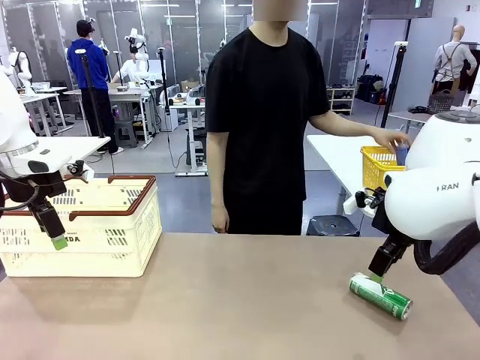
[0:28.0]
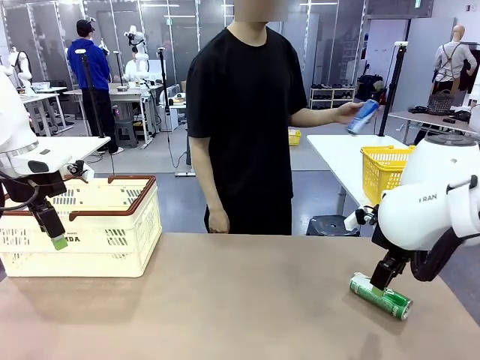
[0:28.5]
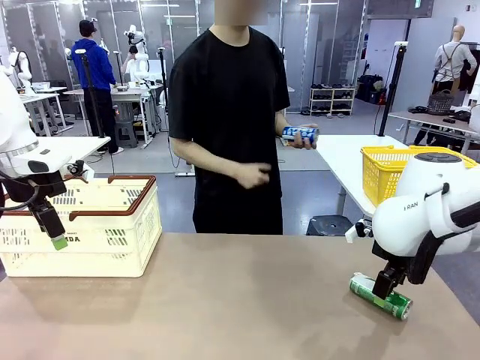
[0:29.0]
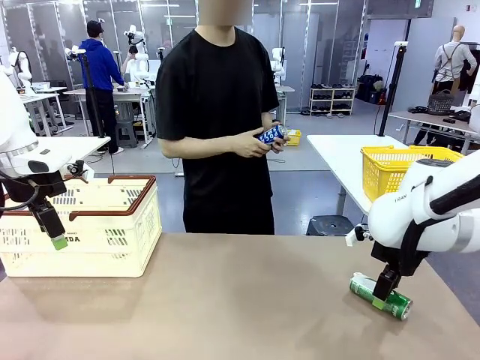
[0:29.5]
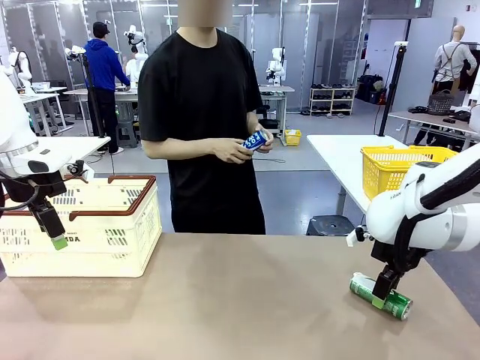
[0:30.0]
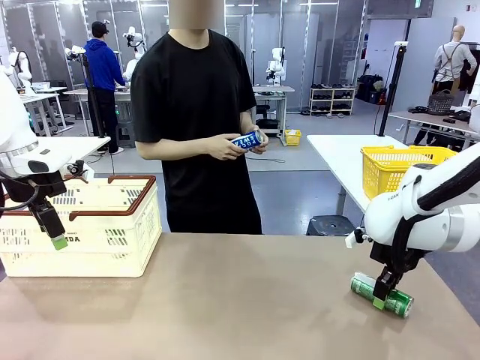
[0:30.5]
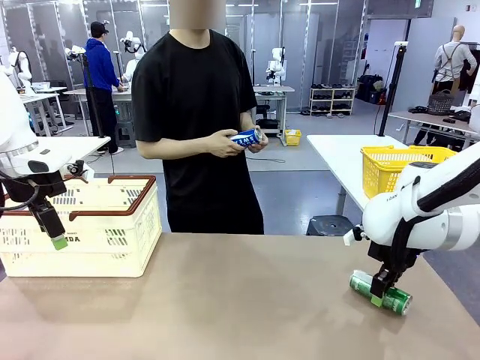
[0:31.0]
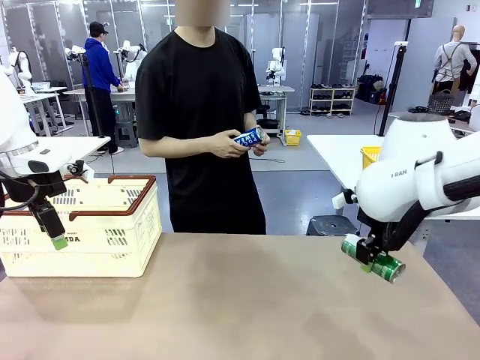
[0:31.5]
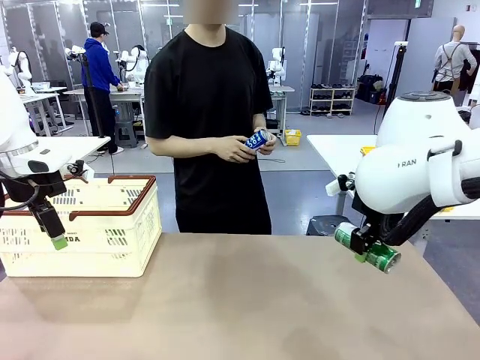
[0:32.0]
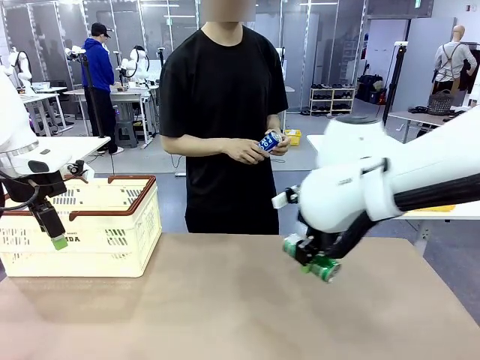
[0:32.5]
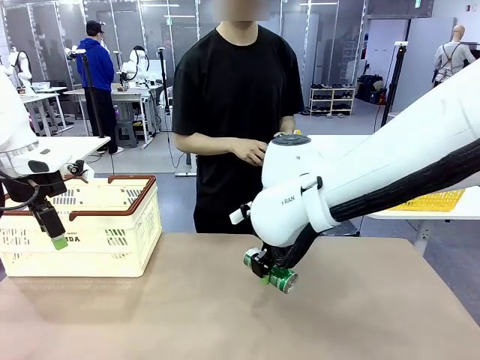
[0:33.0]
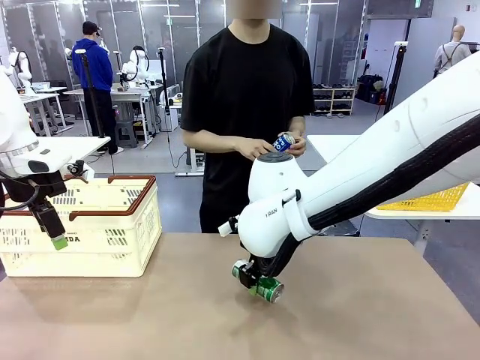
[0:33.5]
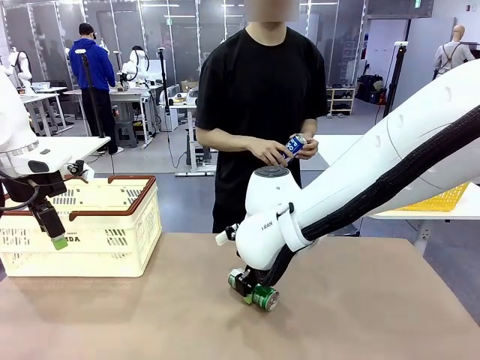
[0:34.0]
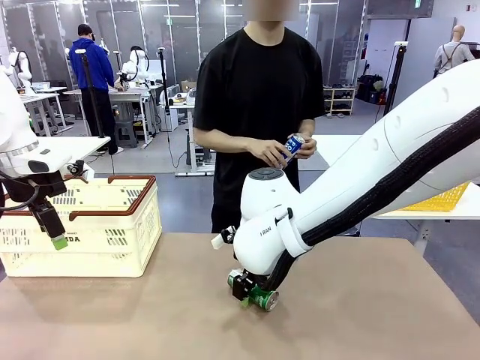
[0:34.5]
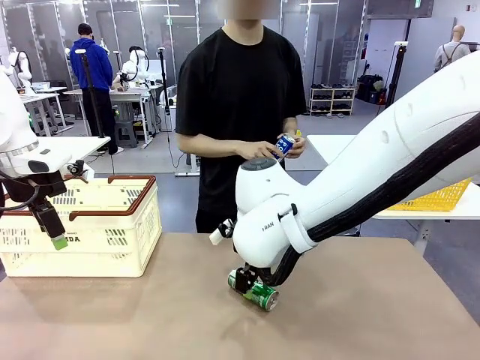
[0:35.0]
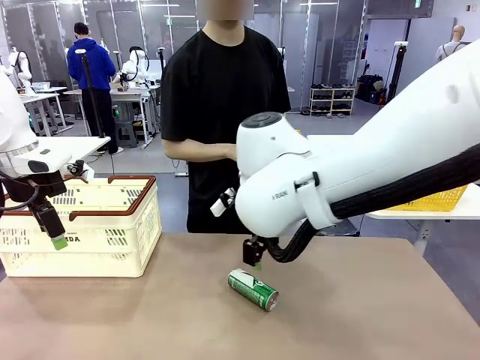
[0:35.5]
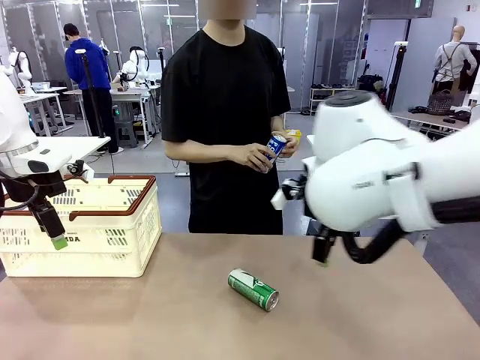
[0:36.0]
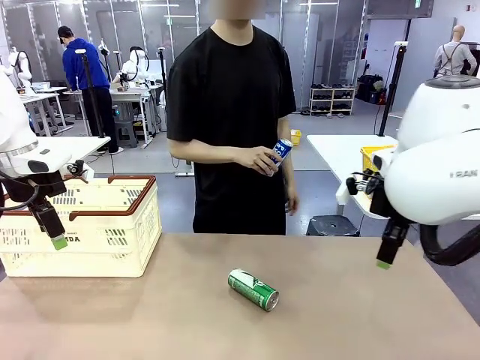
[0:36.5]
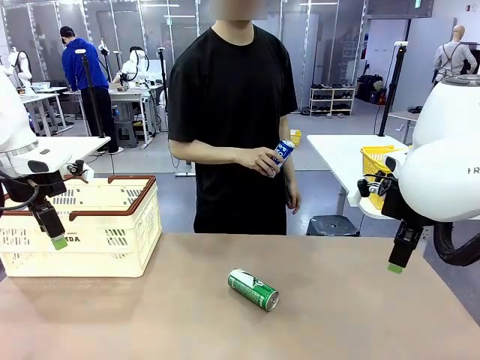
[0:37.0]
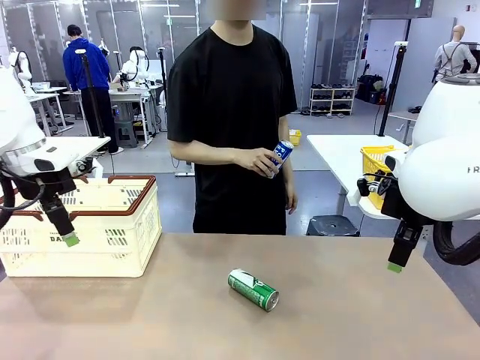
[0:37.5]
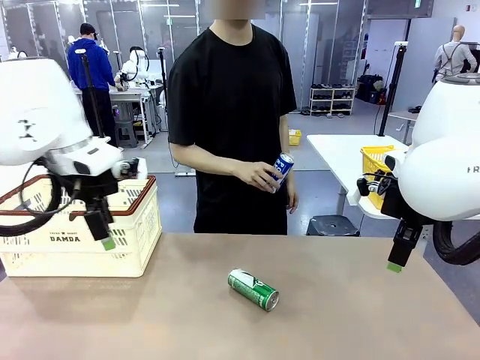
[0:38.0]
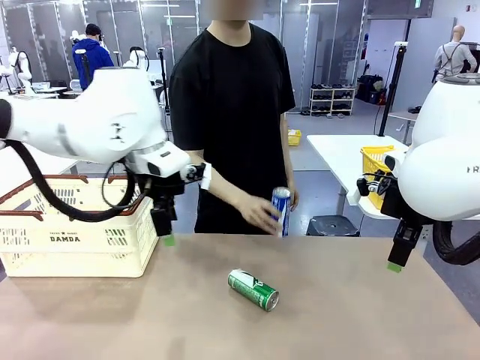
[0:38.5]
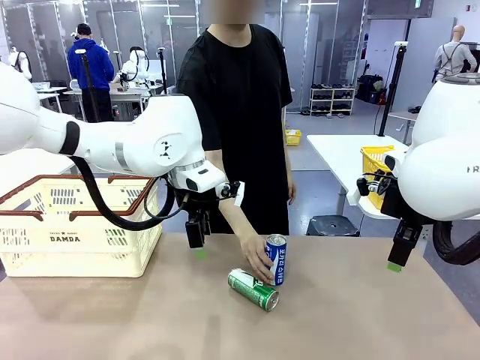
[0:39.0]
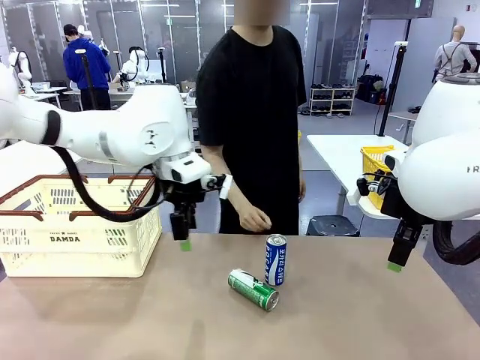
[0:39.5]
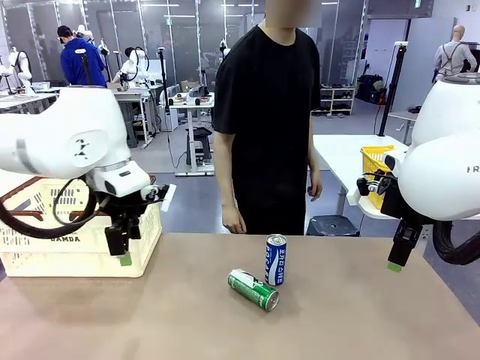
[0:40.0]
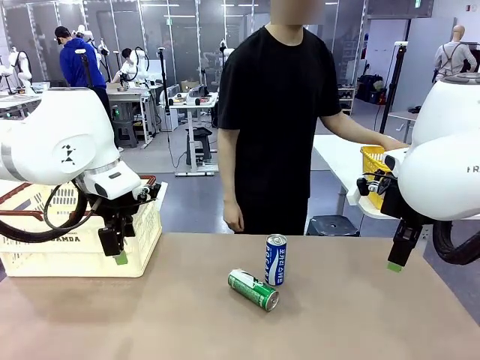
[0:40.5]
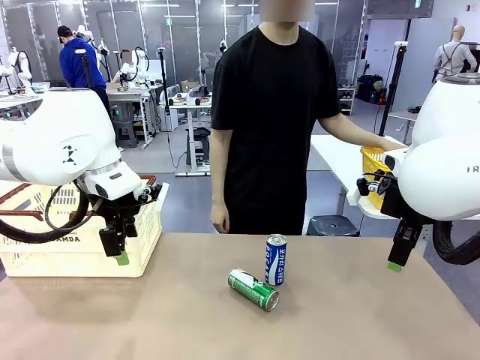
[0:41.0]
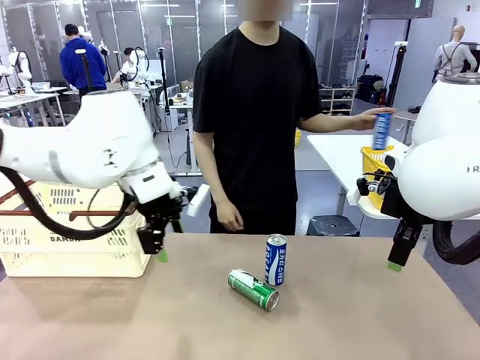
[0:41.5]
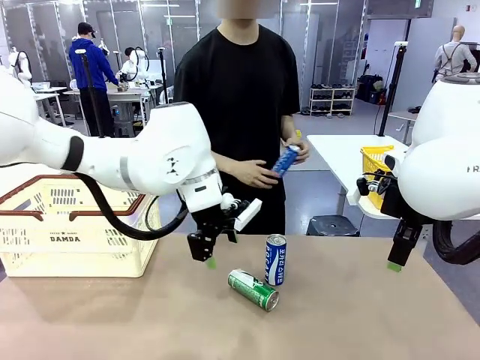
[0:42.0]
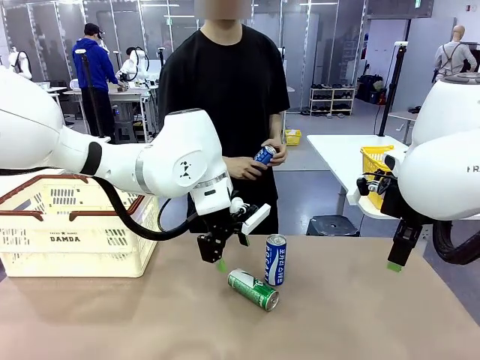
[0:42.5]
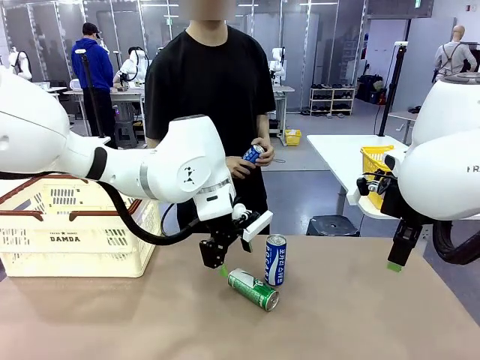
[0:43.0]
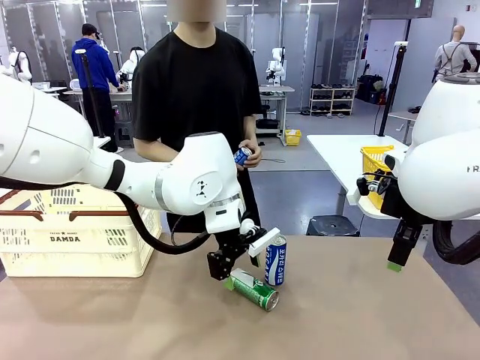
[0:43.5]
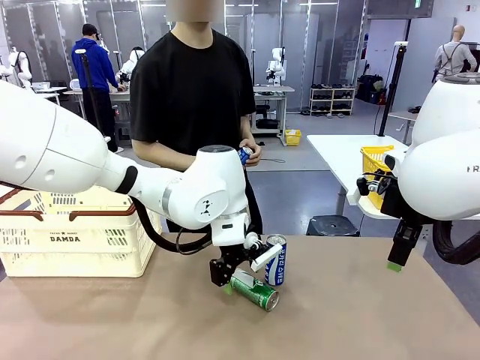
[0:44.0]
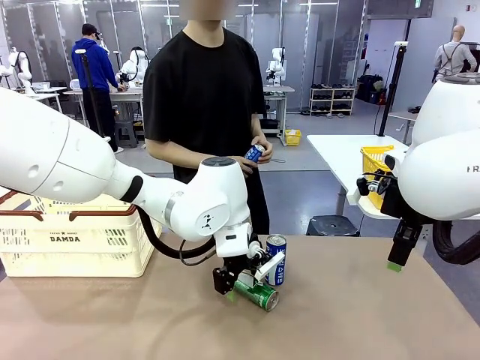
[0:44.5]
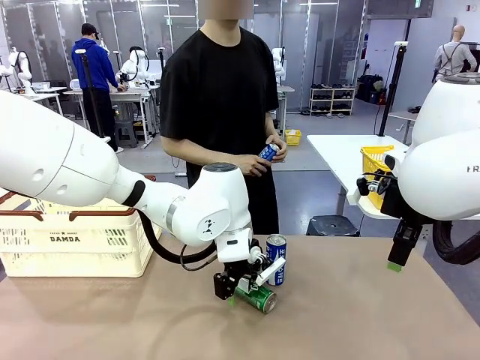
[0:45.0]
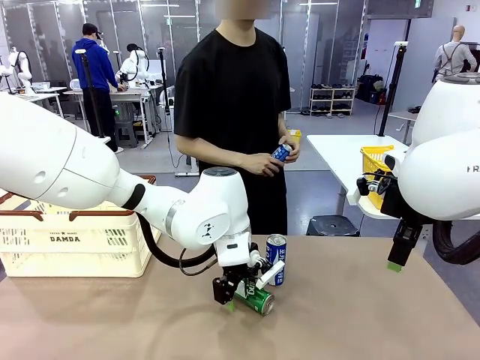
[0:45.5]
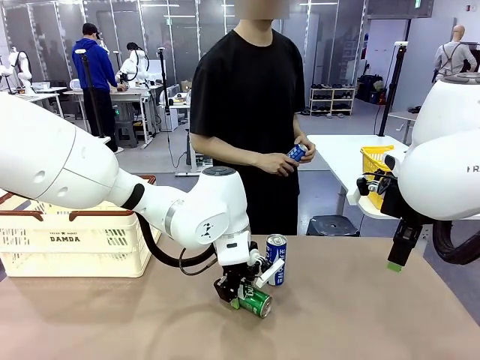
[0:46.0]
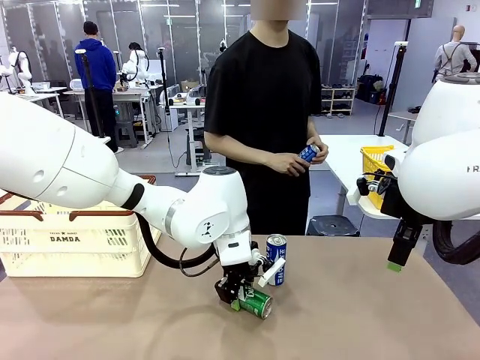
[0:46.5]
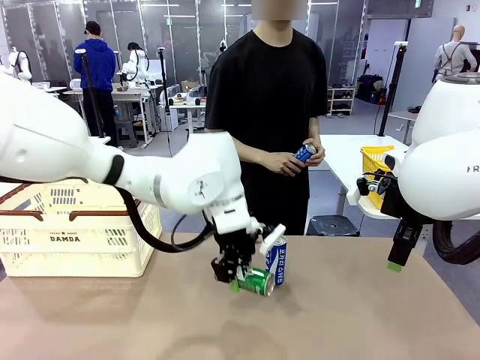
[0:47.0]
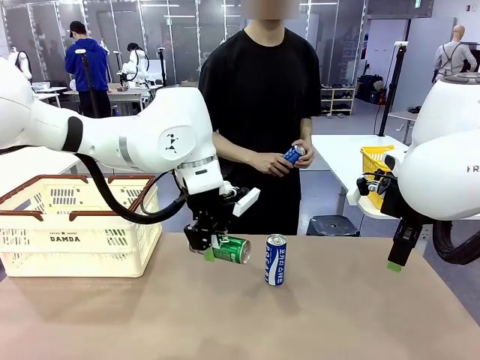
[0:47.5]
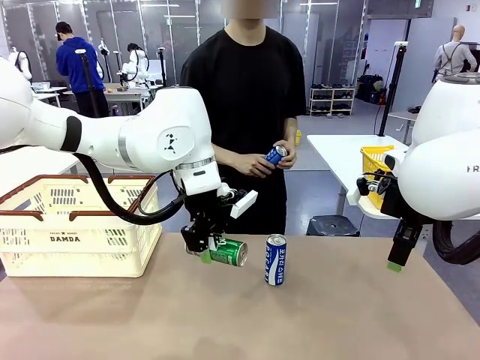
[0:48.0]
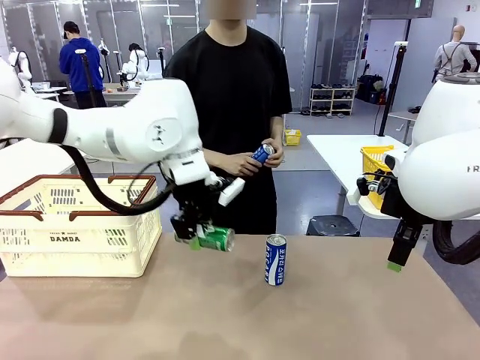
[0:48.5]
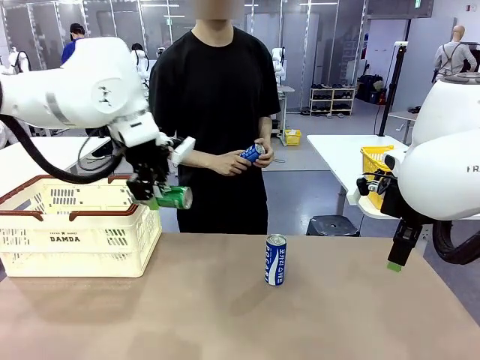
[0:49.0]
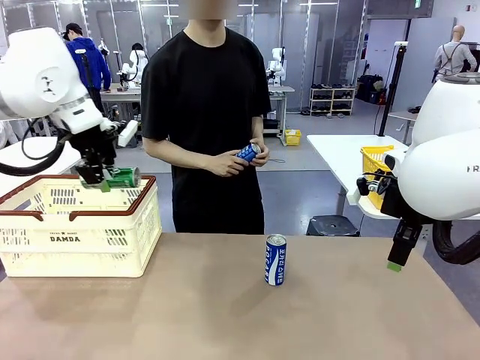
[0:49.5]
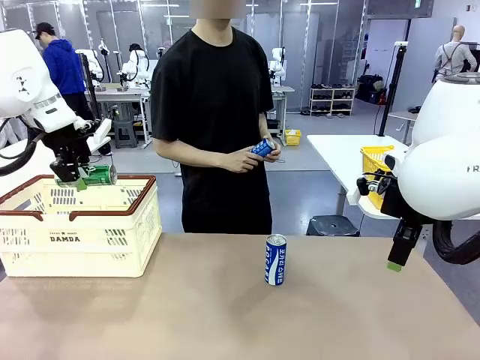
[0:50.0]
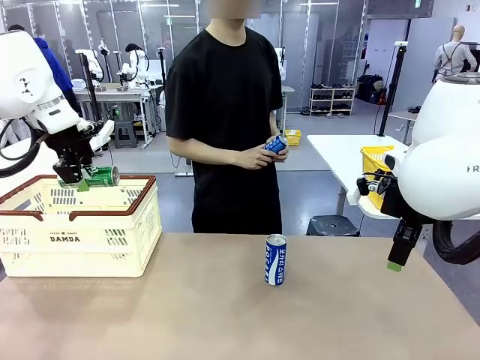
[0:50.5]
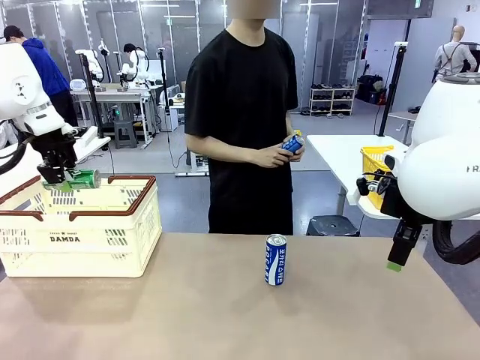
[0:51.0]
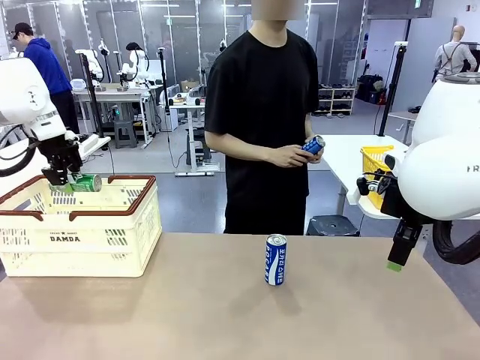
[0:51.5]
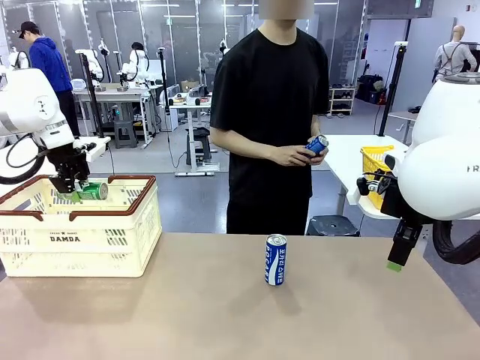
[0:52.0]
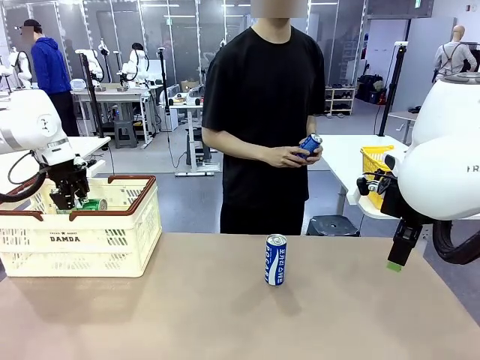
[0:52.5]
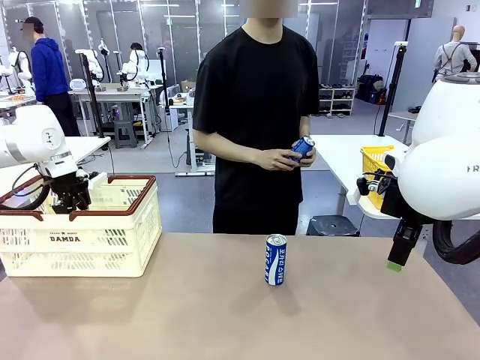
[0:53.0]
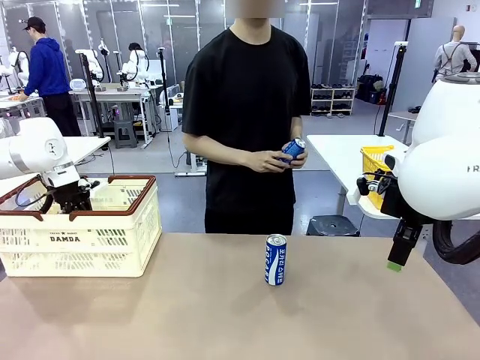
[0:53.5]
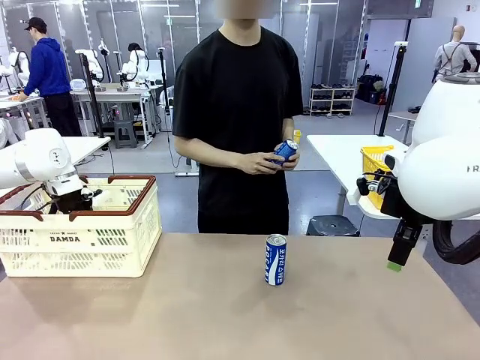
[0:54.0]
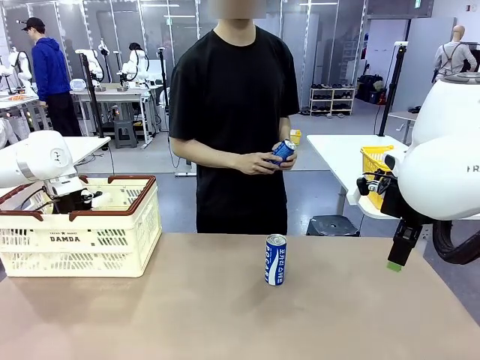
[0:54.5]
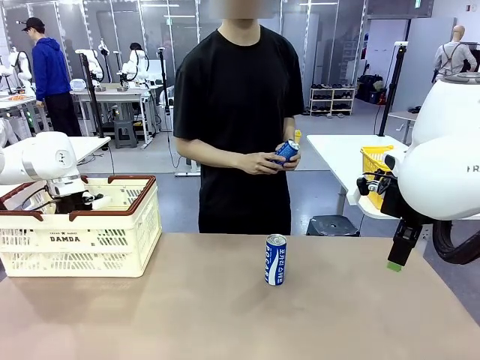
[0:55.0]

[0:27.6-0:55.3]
Task: Place the drinks into the Shopping basket.
Robot: Pick up one drink and place it into the Shopping basket.
